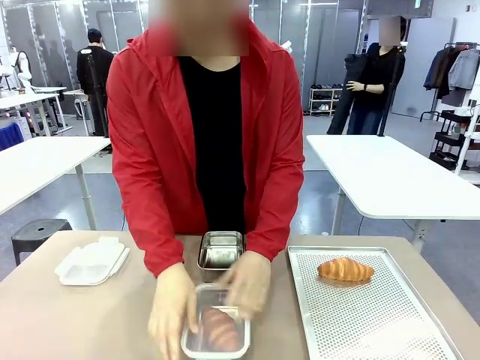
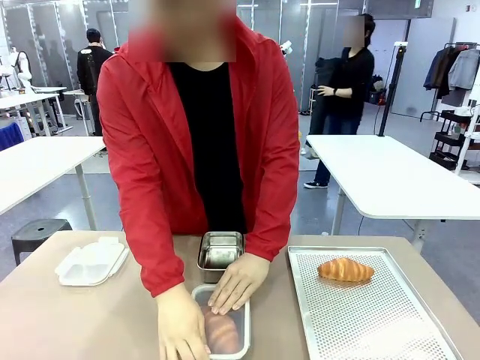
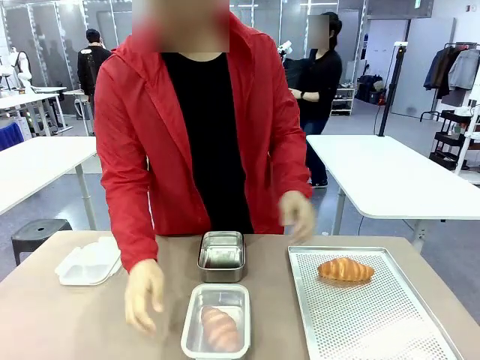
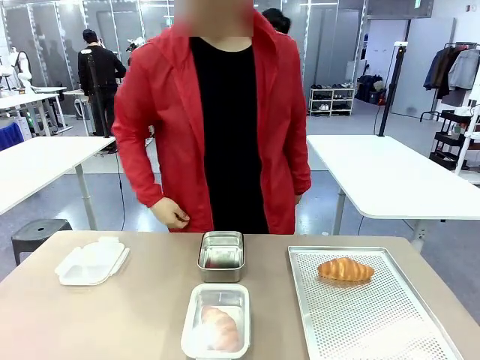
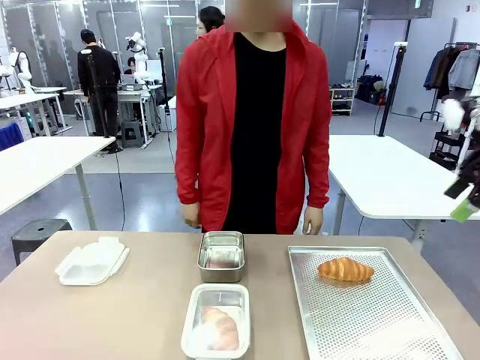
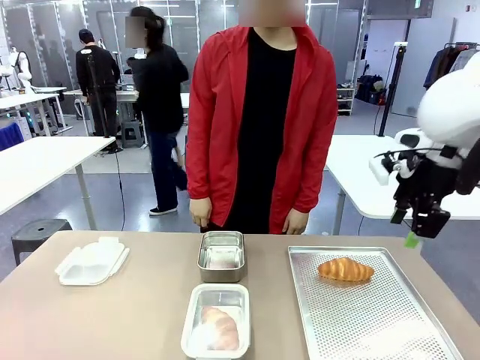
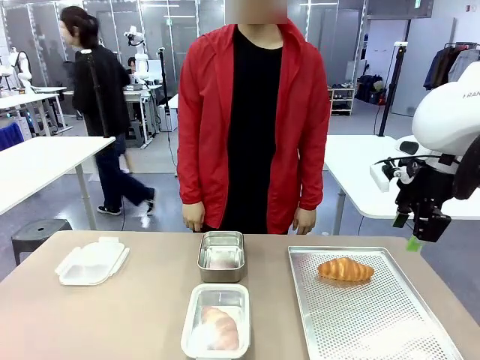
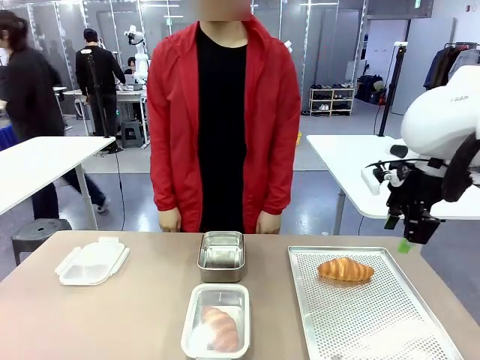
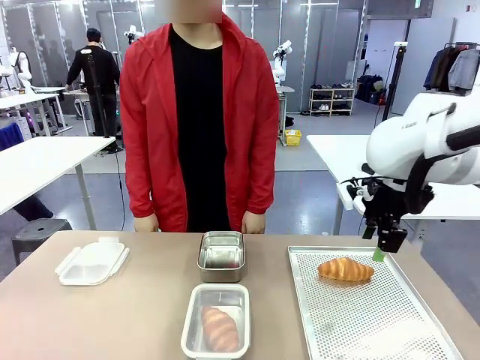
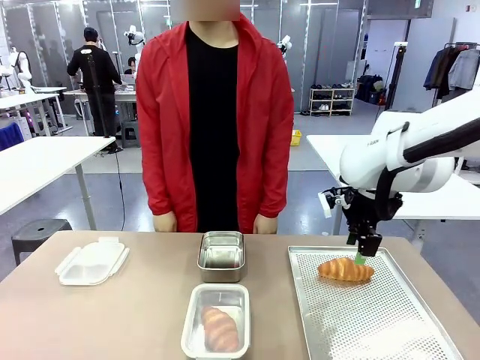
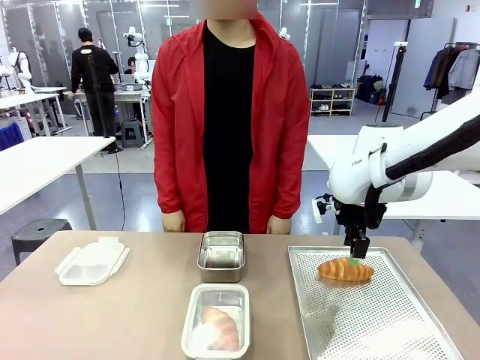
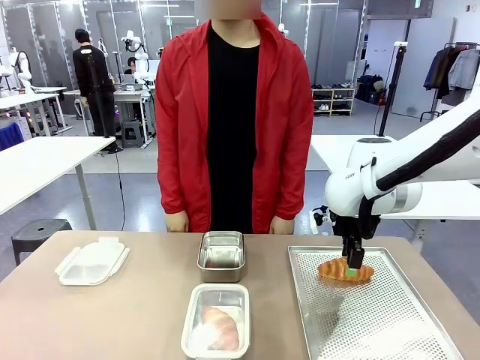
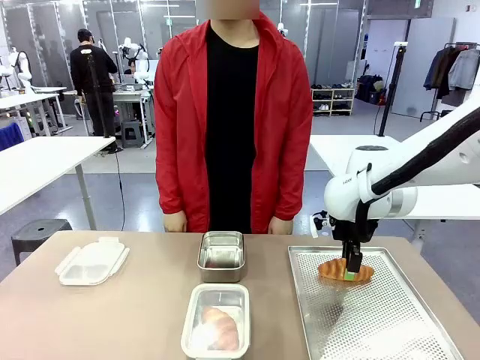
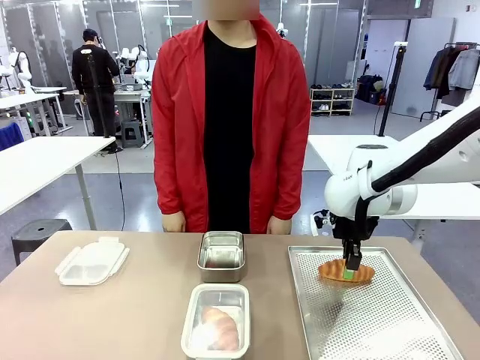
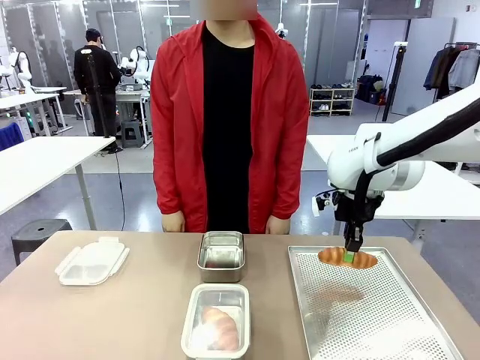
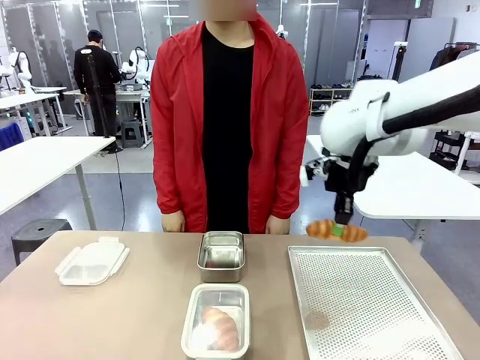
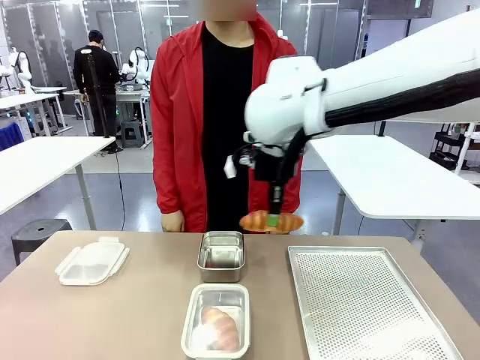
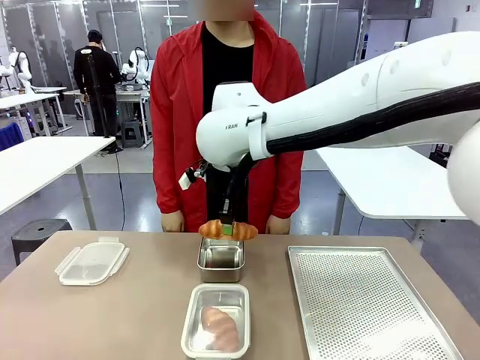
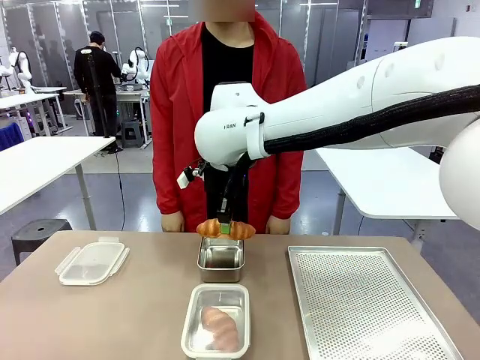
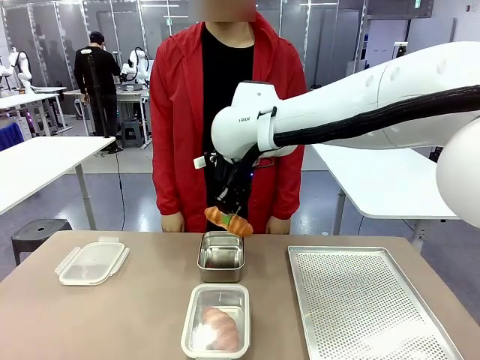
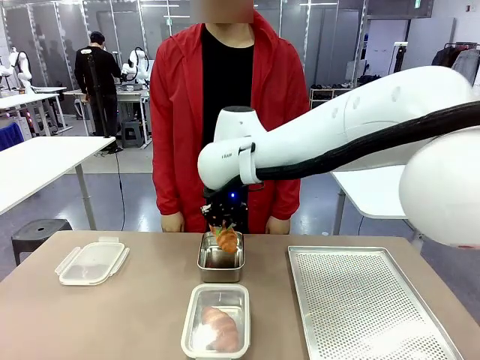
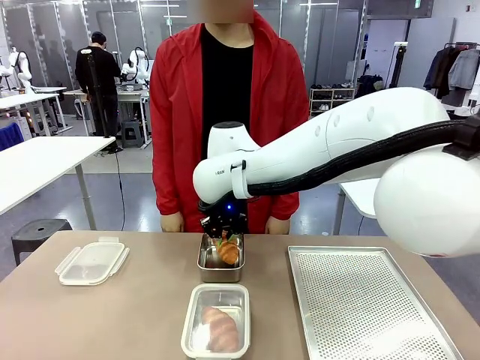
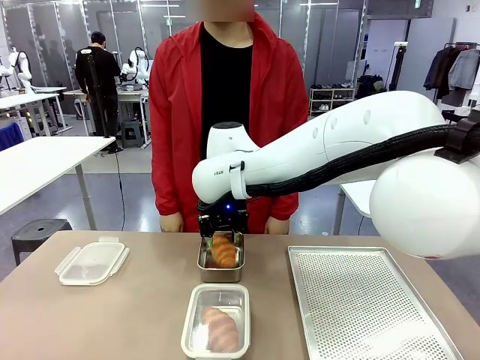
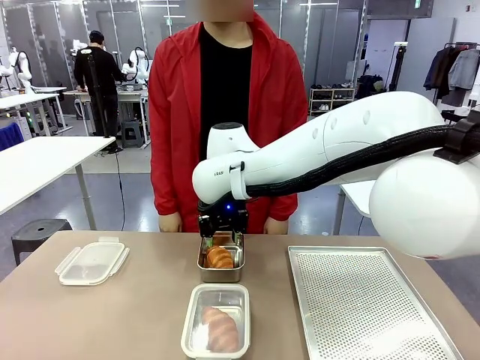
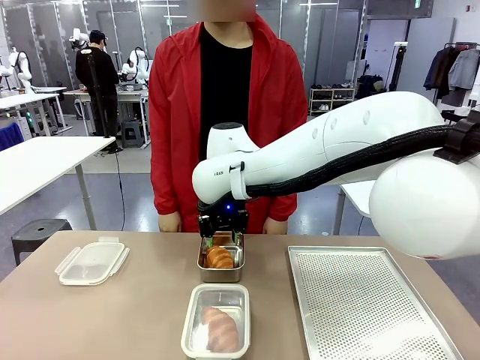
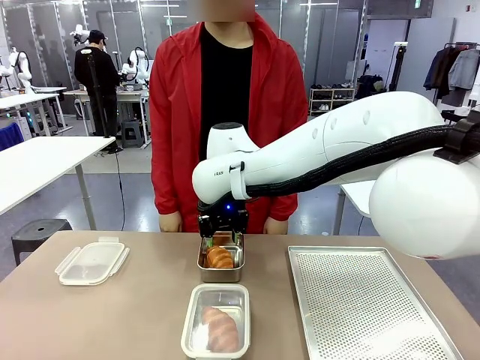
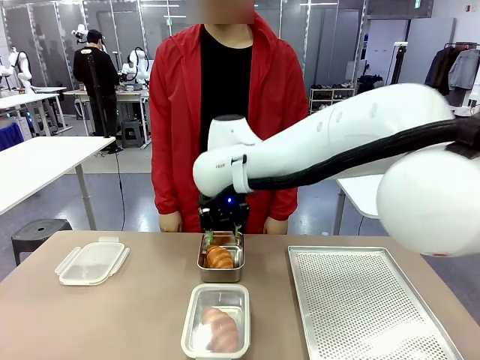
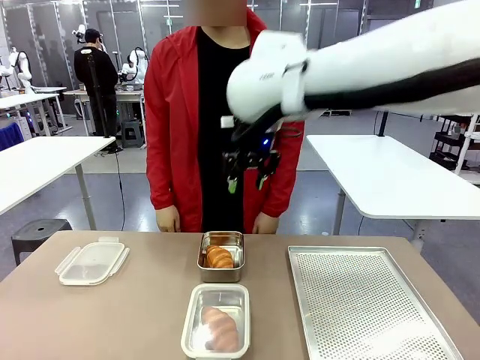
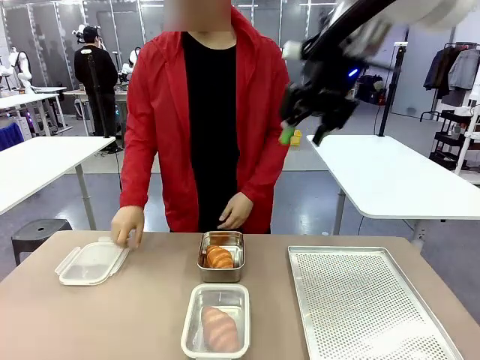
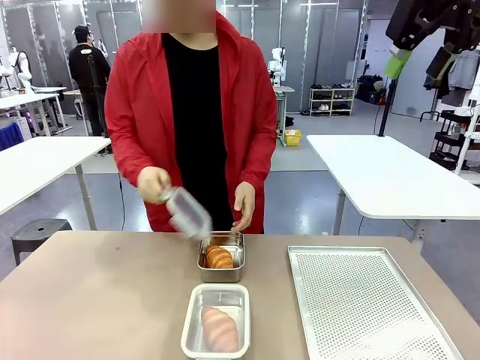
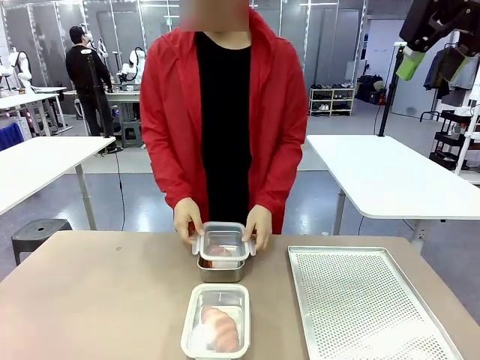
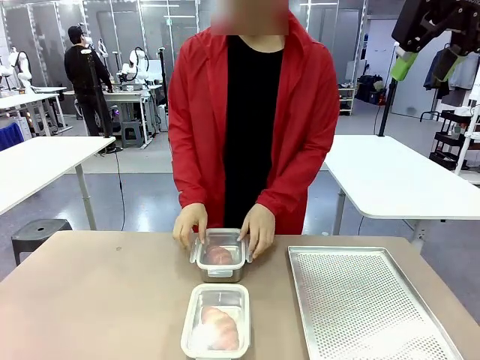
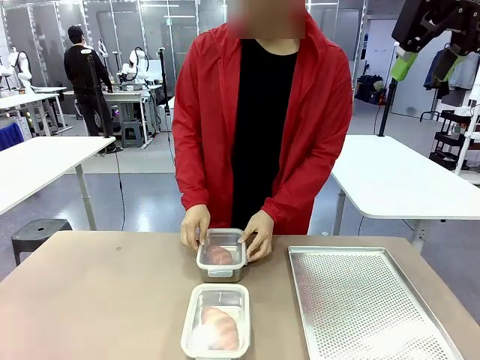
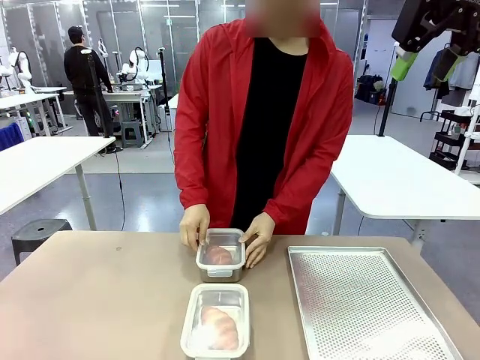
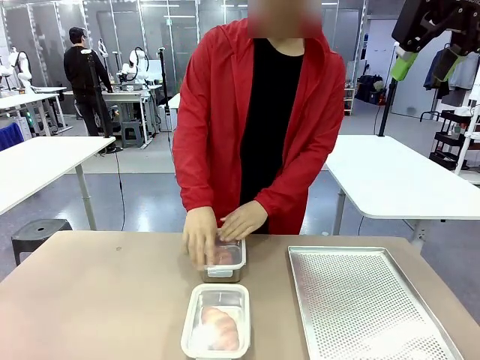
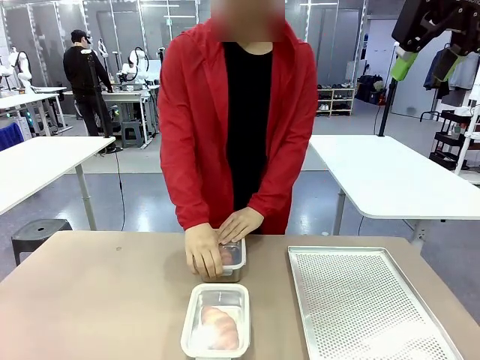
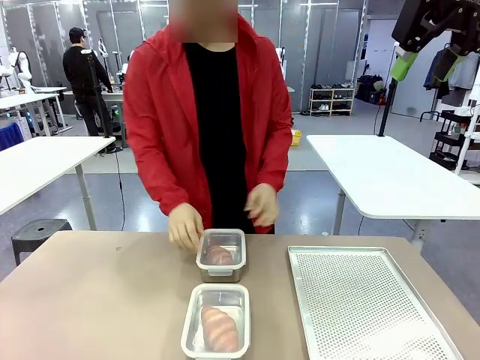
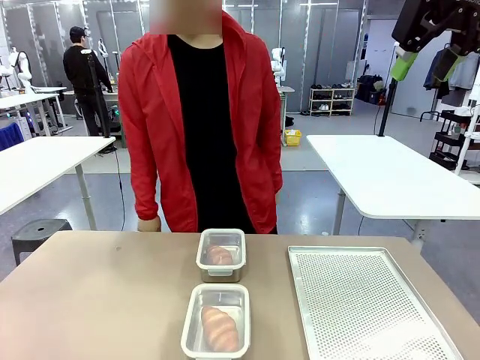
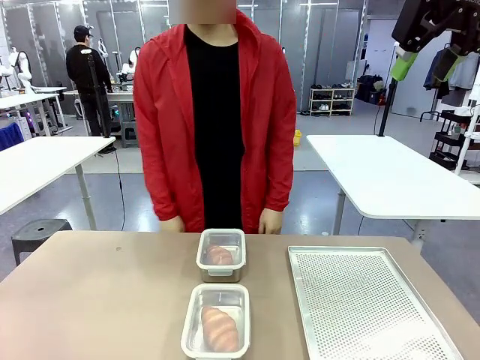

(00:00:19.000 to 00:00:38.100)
Task: Place the bread into the airtight container.
Robot: Pick up a Butter Roll and place it into an empty Airtight Container.
Person: Once a Butter Roll is inside an Airtight Container , close the lid of that Airtight Container.

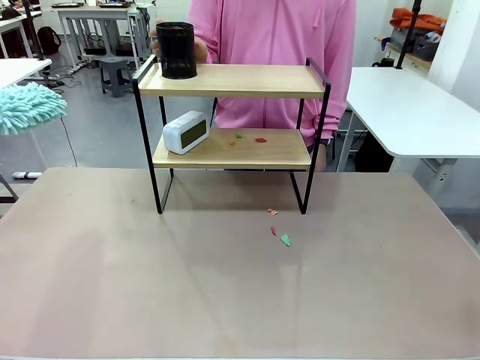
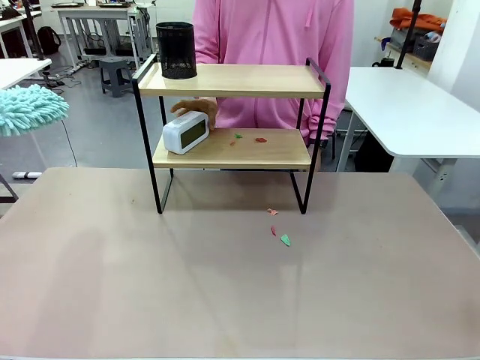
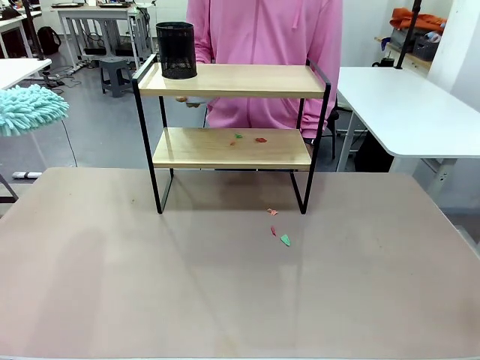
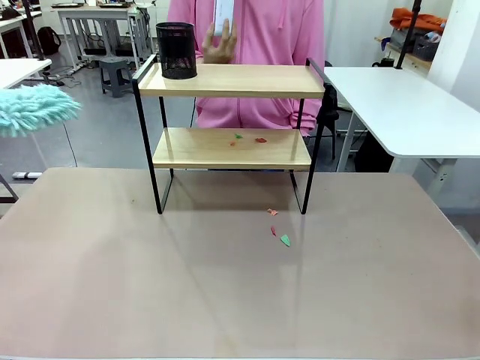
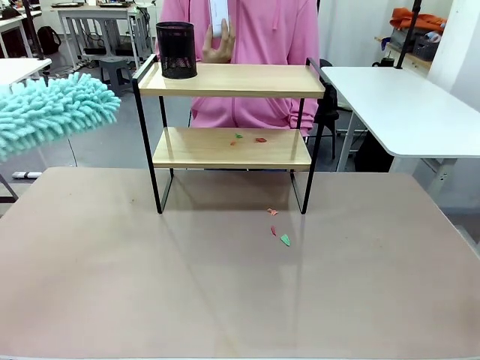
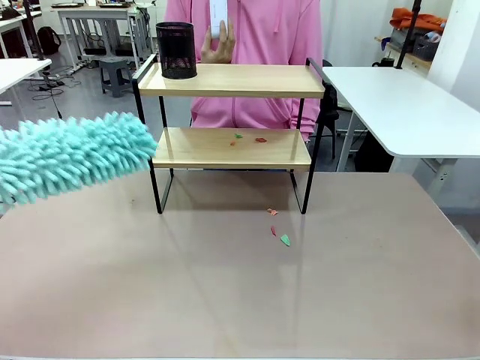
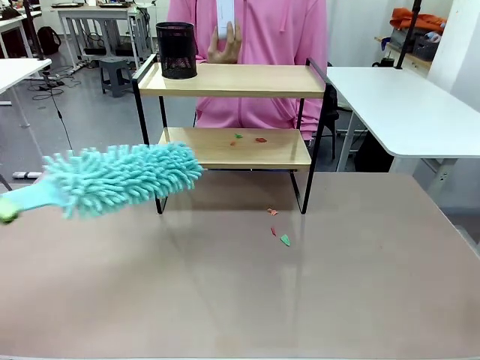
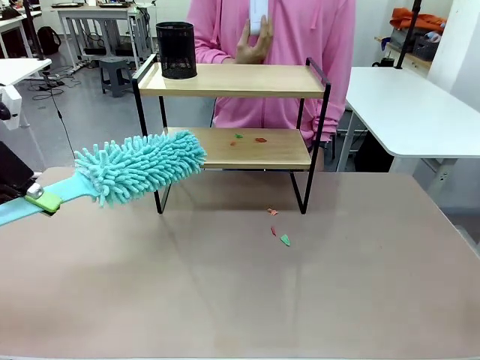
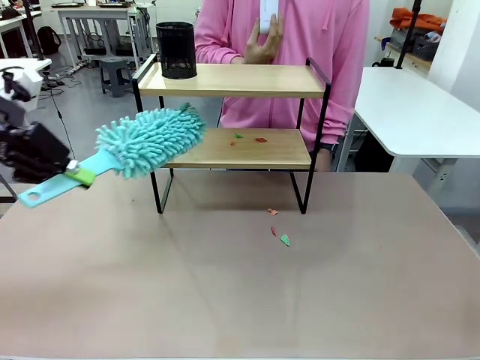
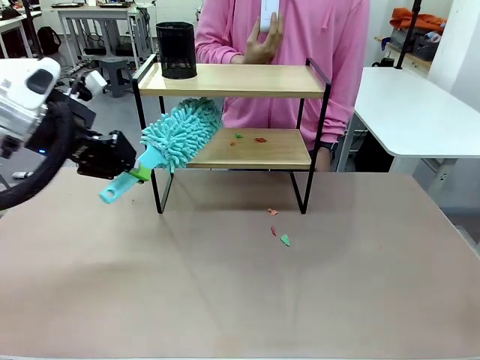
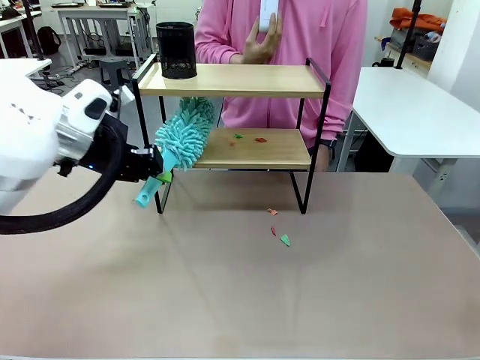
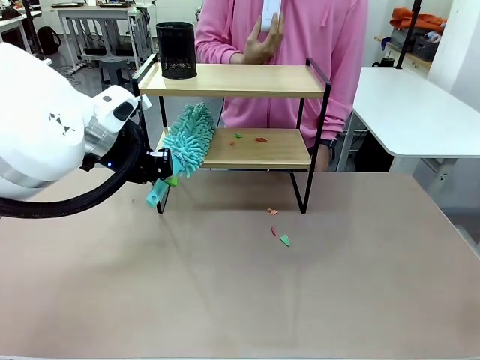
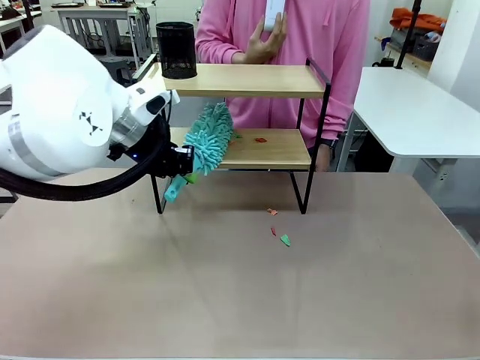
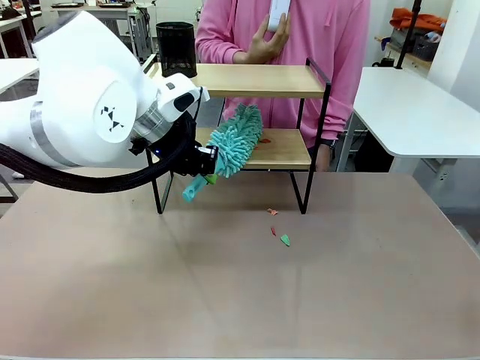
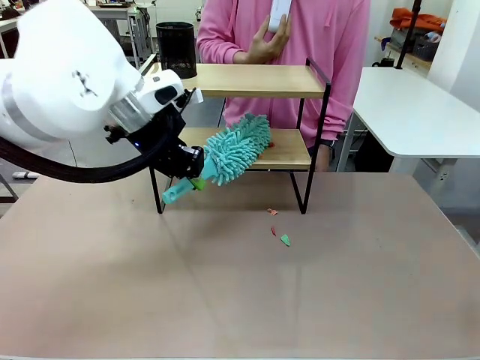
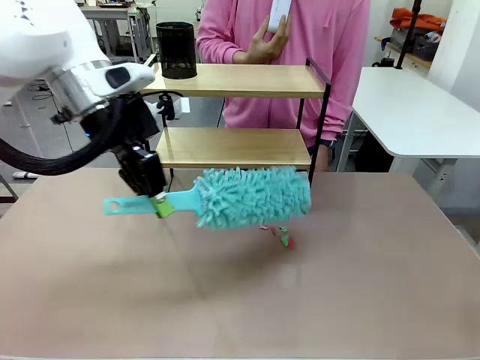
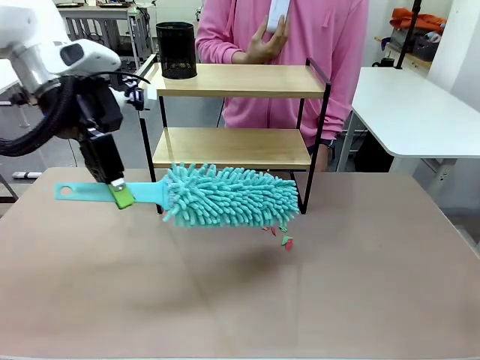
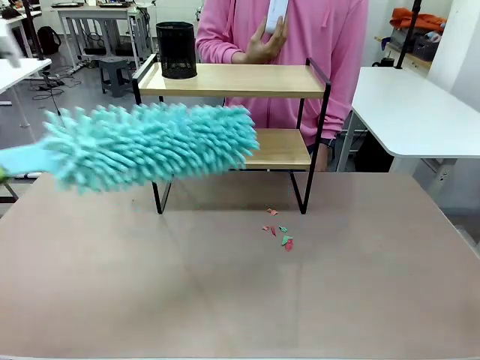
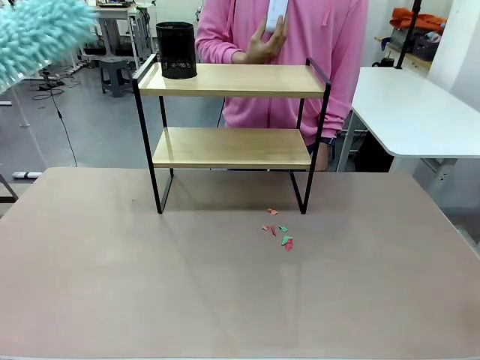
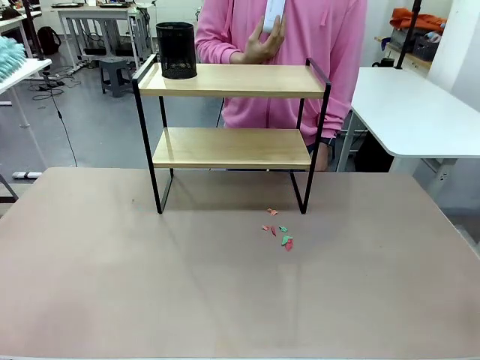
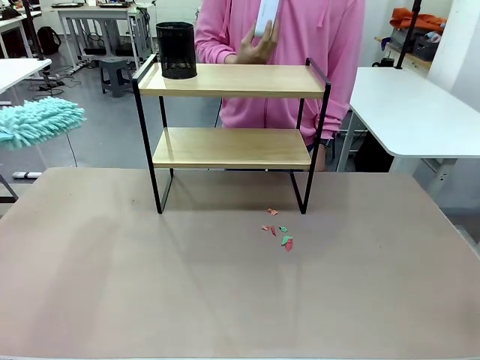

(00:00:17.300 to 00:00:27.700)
Task: Clean the shelf.
Robot: Clean the remaining tier of the Shelf with the Duster once objects are removed.
